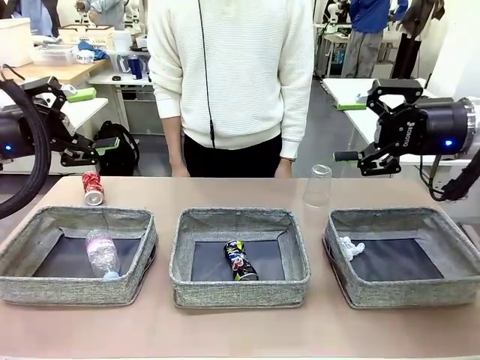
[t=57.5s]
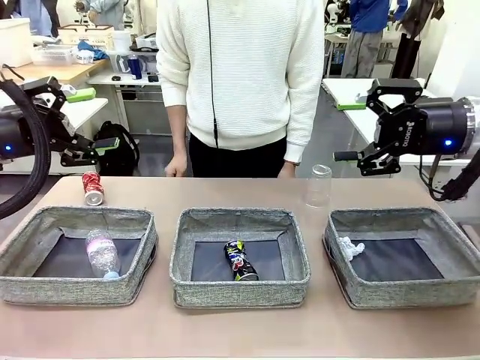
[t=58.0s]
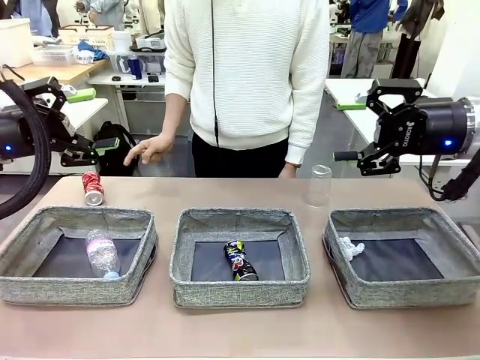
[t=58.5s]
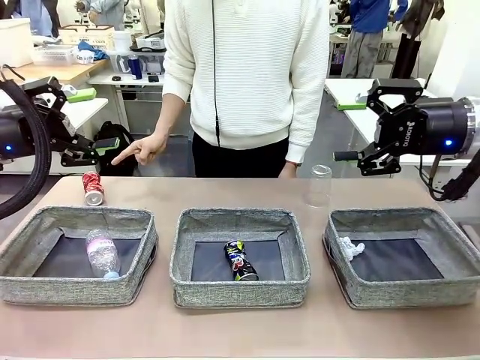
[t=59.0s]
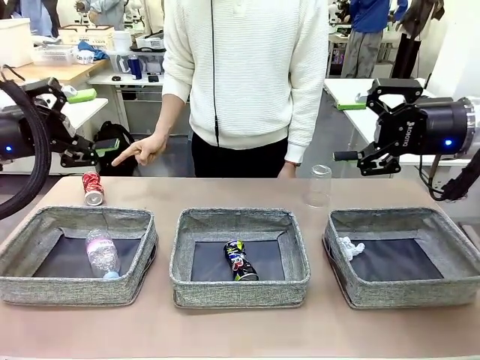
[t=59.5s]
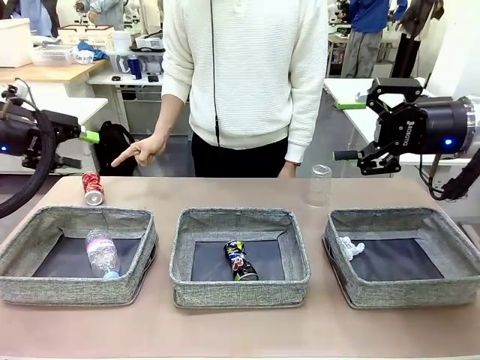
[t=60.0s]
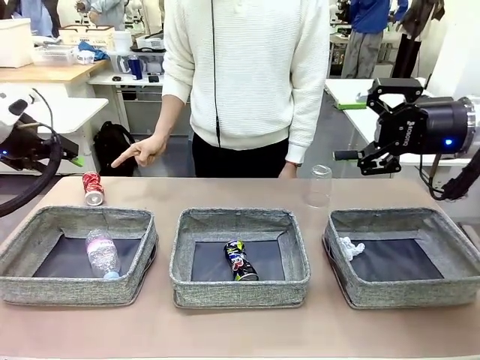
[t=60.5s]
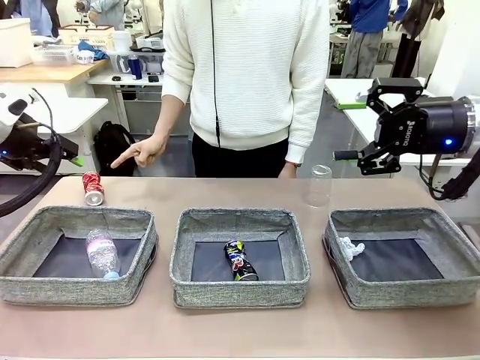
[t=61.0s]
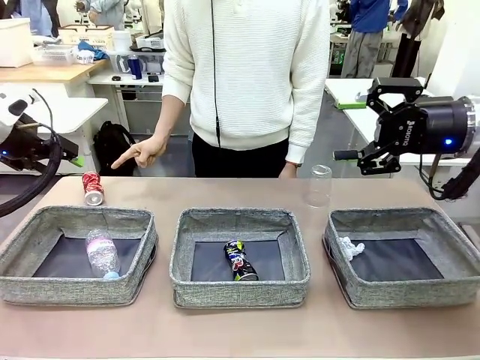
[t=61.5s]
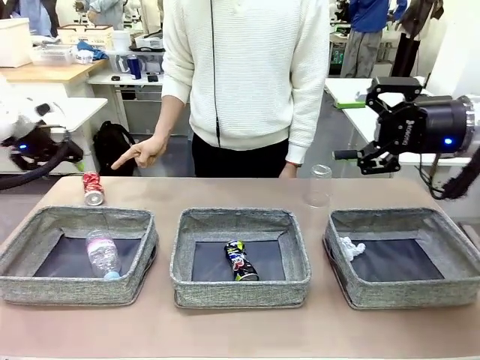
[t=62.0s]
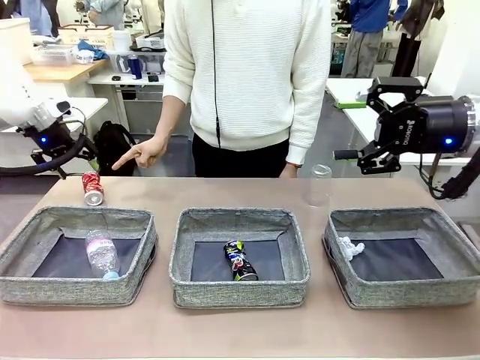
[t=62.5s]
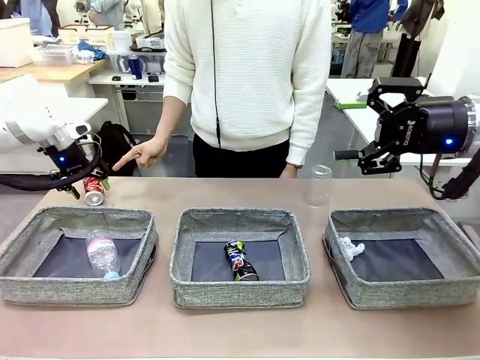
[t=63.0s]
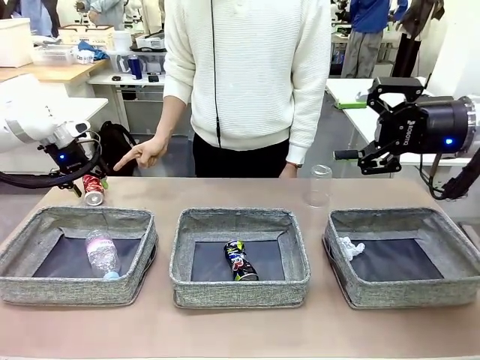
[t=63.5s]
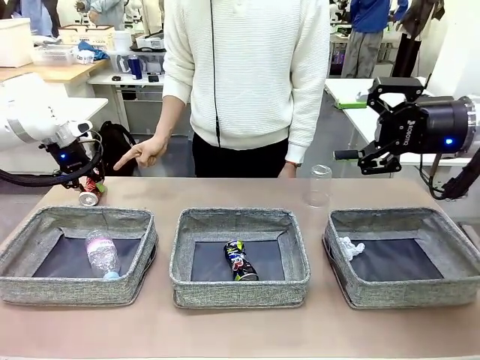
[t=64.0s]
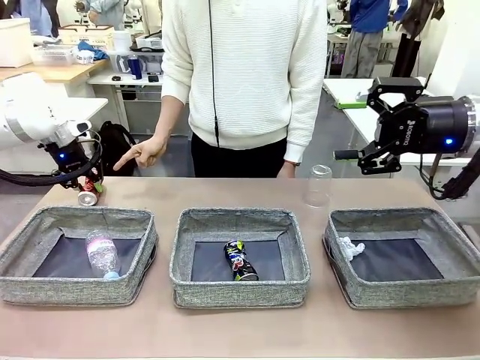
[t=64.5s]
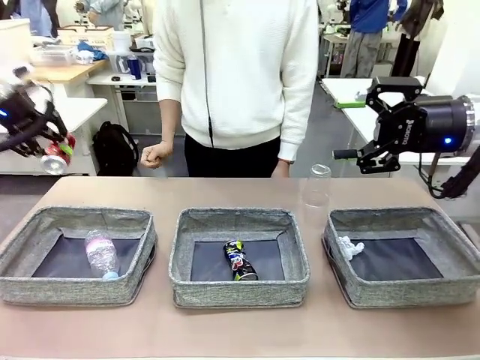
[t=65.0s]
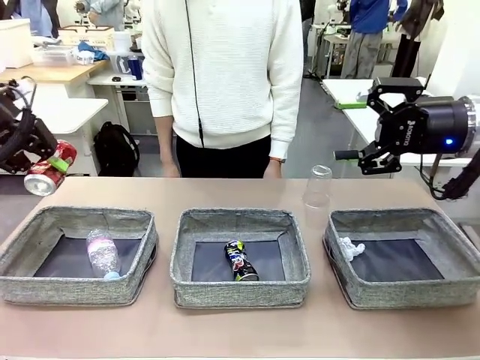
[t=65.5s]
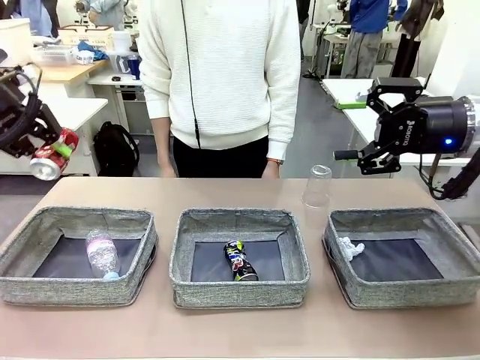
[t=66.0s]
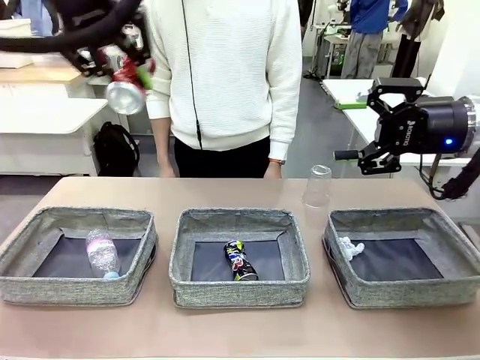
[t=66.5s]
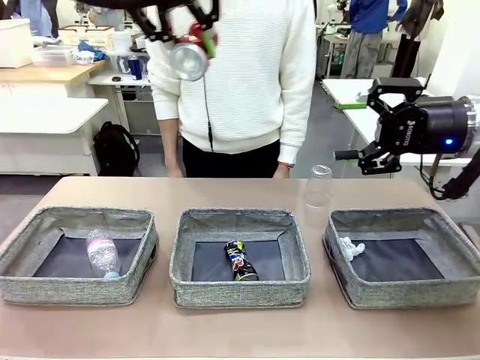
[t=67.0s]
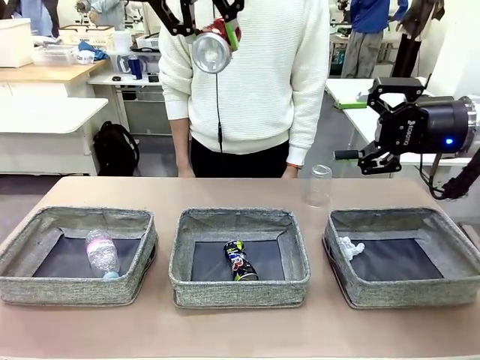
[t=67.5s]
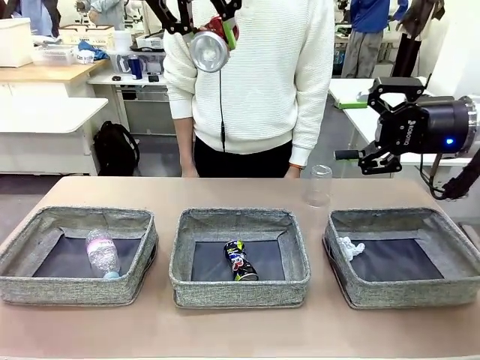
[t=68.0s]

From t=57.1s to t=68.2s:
Task: Sort the waste into the appropriate baskets.
Robot: Pick up the waste item pointed out by the person.
Person: Points to one piece of trash on the table.

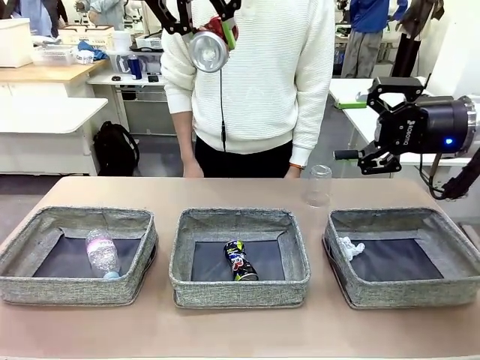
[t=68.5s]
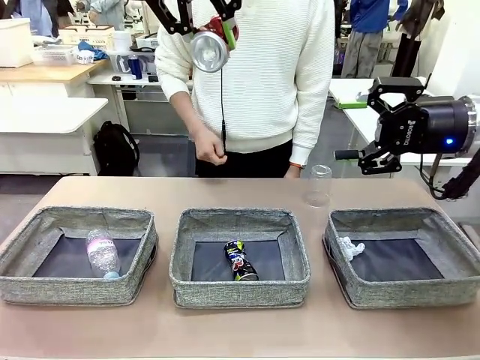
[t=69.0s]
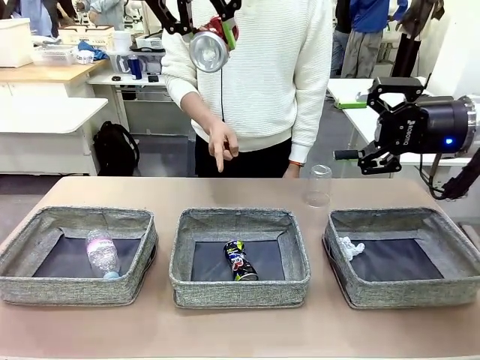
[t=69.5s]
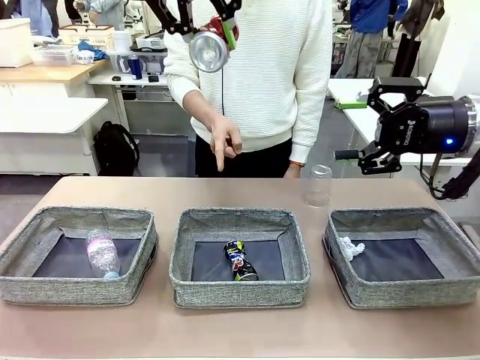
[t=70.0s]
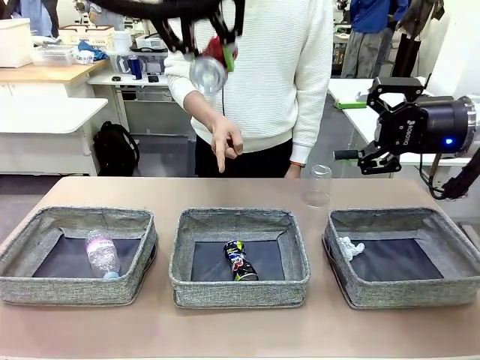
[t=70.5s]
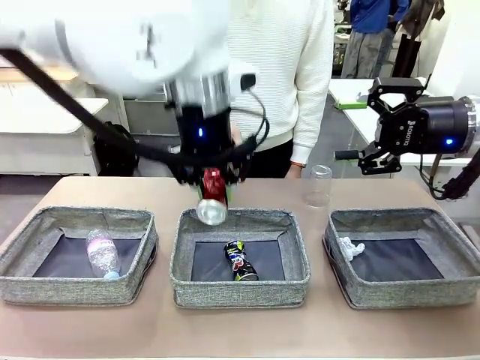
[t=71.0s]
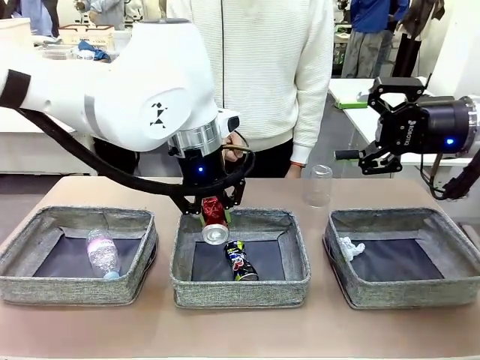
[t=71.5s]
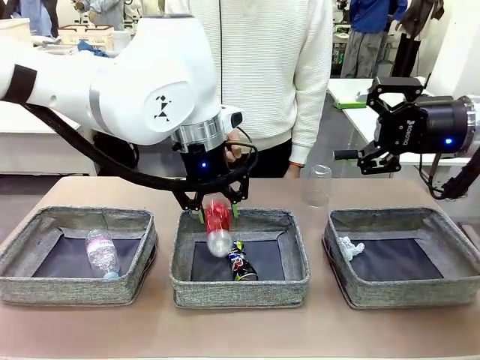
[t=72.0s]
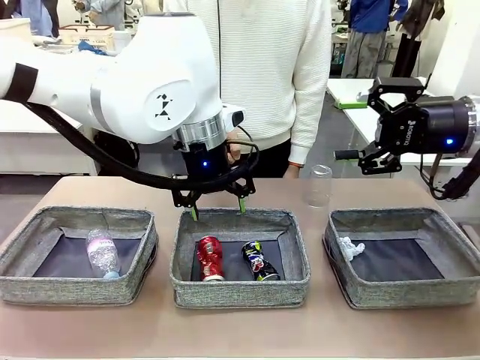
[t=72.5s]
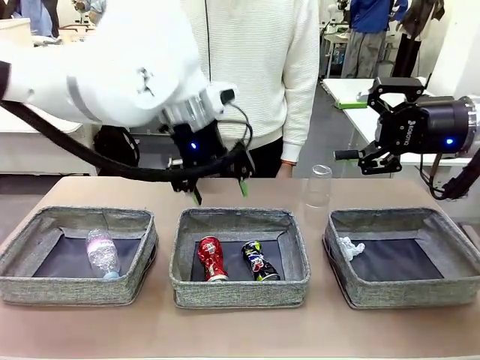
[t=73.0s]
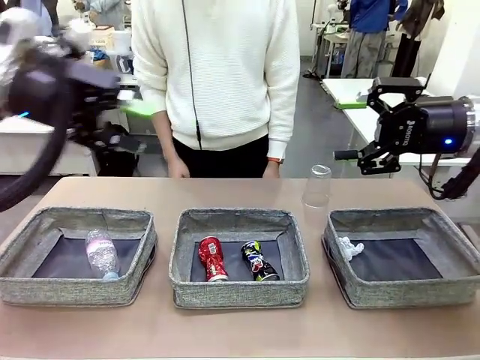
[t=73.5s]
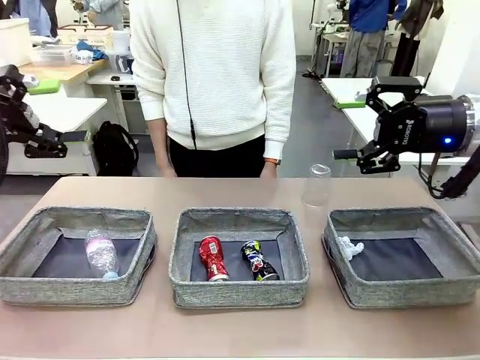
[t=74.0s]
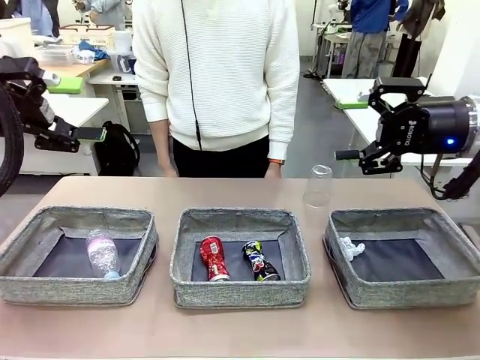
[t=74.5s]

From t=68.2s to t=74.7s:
Robot: Place the picked waste into the Fabric basket indicated by the person.
Person: Instructs the robot to place the picked-up trash into the appropriate organizing basket.

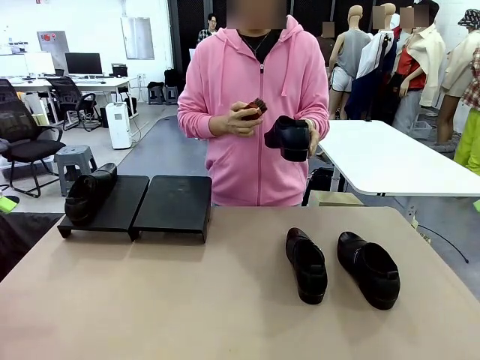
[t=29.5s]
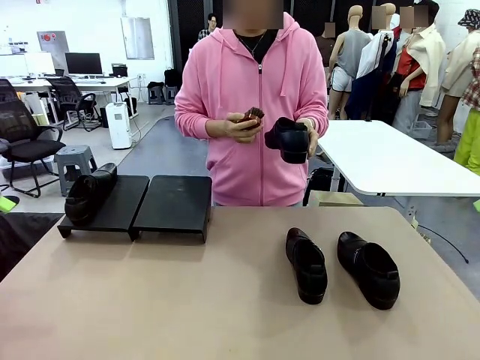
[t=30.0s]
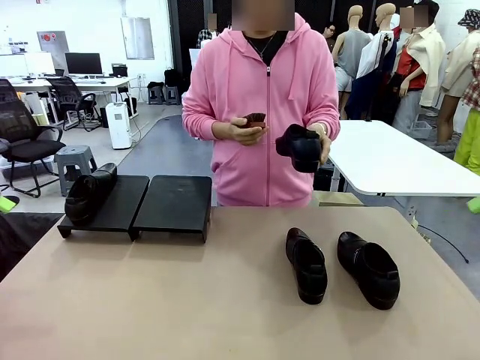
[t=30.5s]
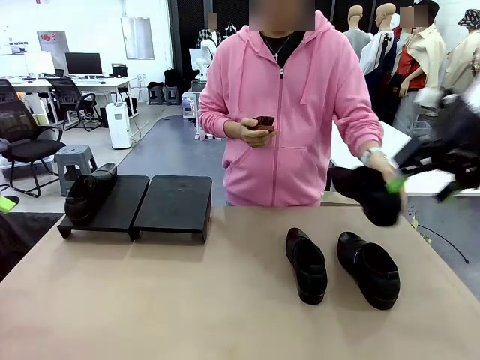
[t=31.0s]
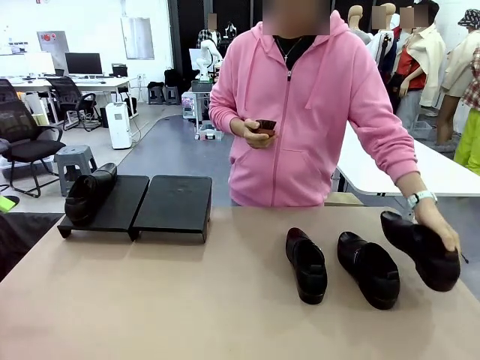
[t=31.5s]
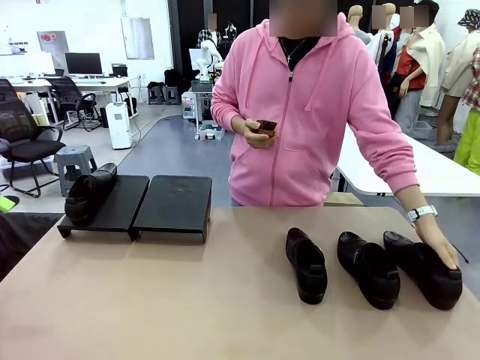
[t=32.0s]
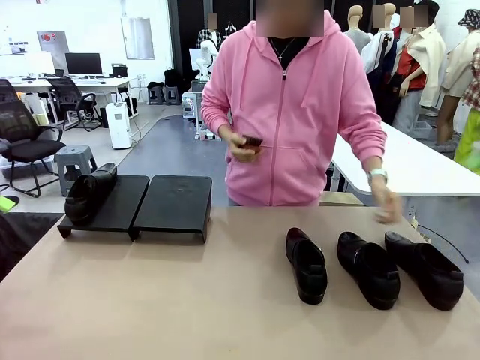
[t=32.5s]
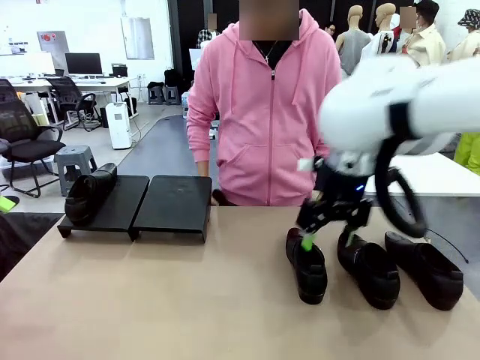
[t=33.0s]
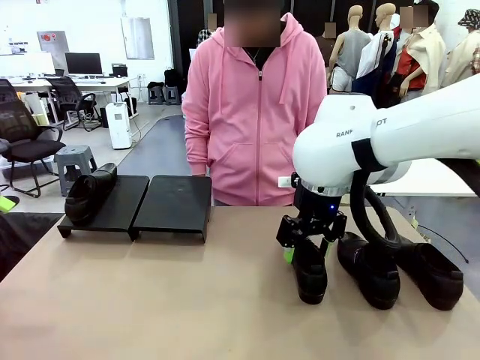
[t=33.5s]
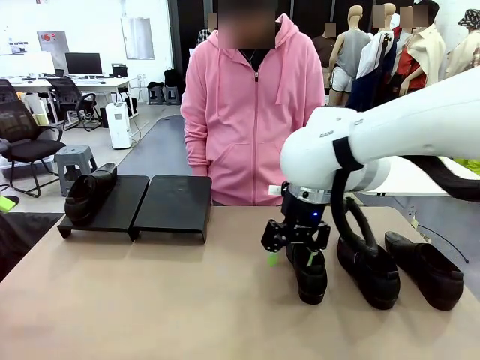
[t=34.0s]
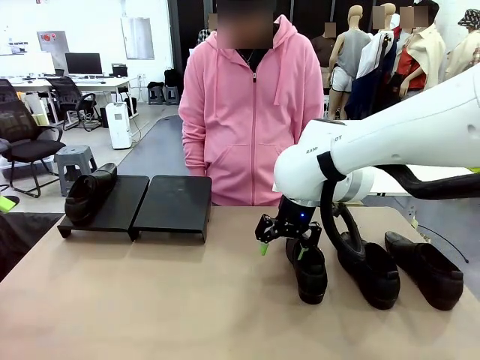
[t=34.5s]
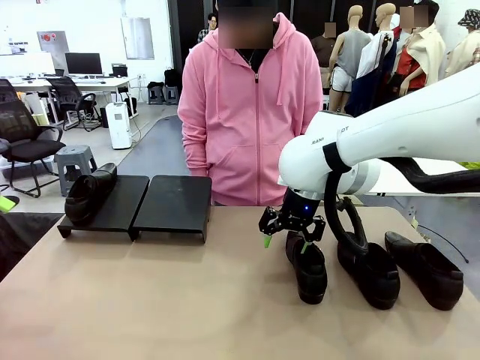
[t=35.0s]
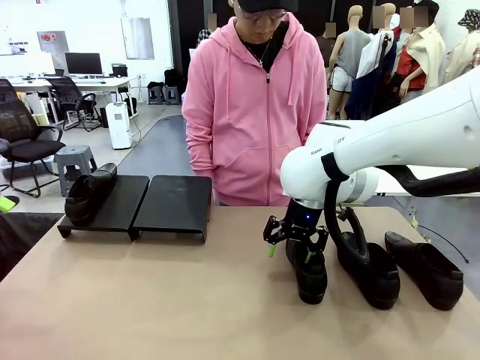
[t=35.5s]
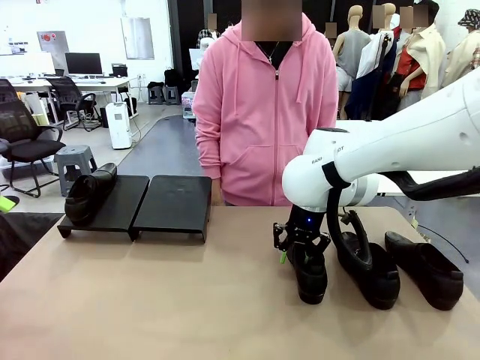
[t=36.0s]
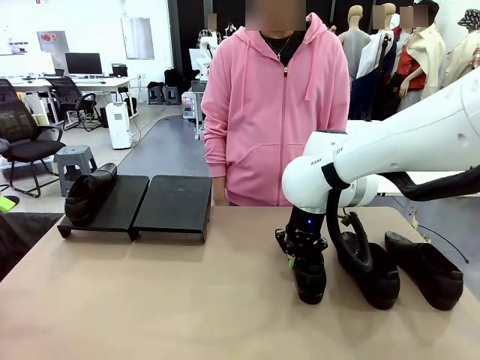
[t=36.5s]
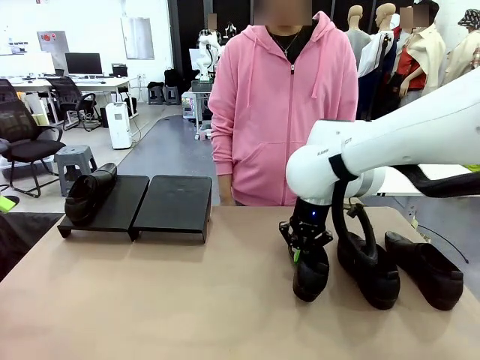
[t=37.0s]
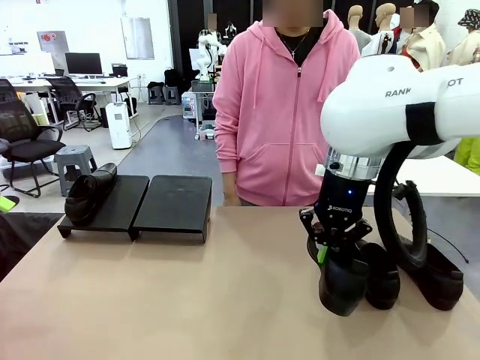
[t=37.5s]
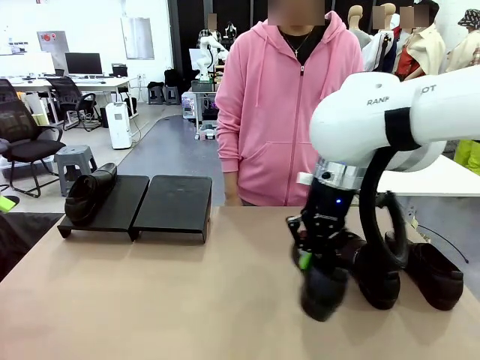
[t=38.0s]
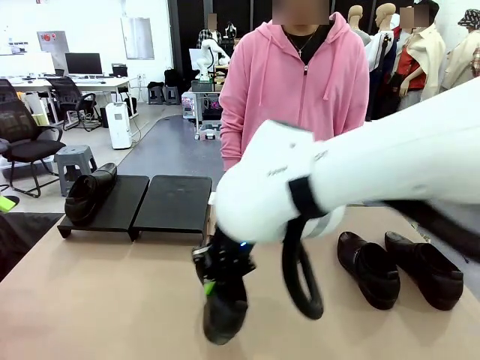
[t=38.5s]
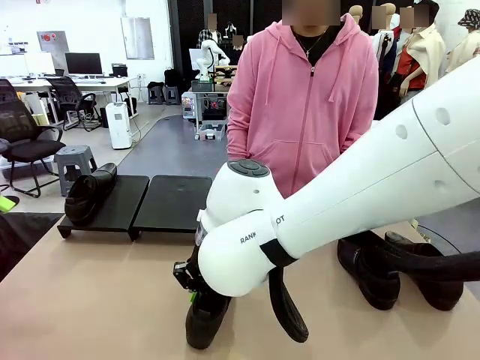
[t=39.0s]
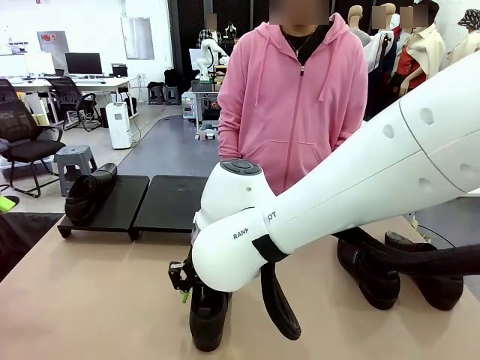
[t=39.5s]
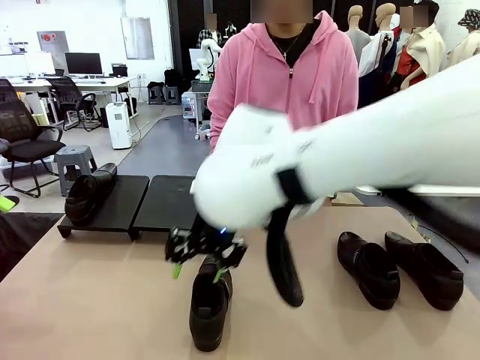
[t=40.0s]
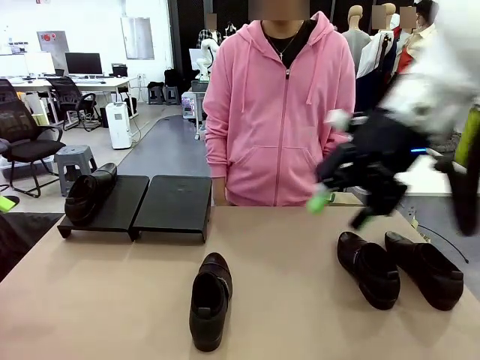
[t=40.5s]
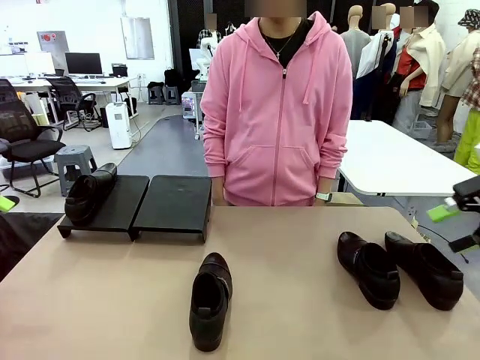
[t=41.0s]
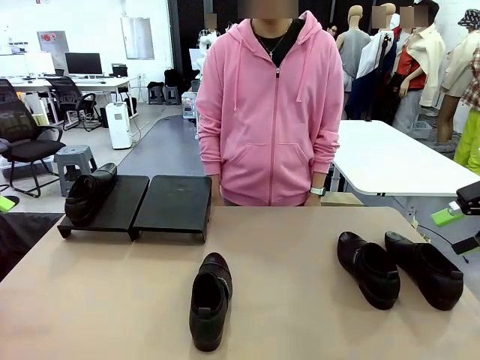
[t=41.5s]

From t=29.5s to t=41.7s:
Task: Organize the shoes by placing them on the stand.
Robot: Pick up one Shoe and place it in the middle of the table.
